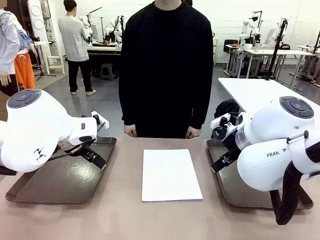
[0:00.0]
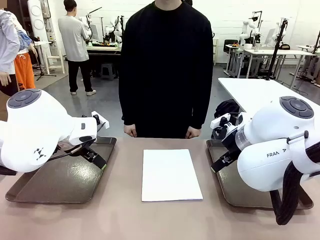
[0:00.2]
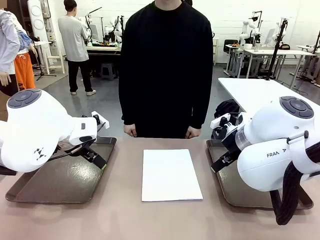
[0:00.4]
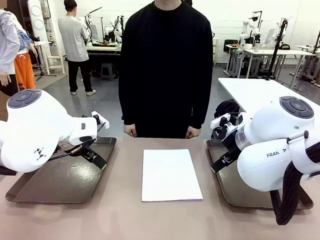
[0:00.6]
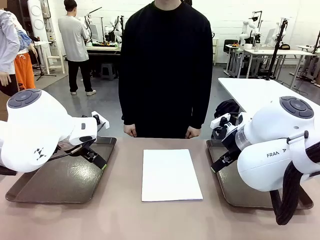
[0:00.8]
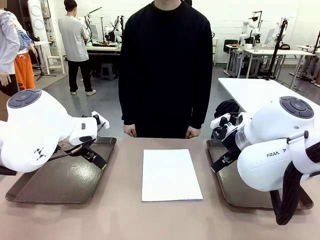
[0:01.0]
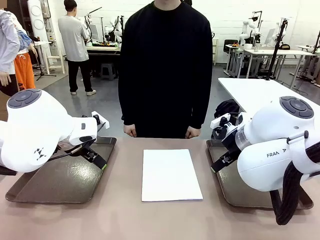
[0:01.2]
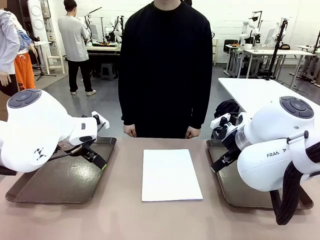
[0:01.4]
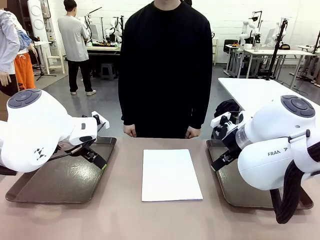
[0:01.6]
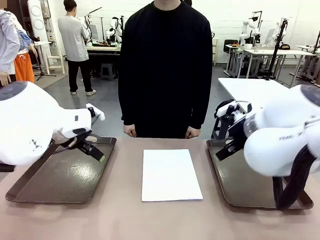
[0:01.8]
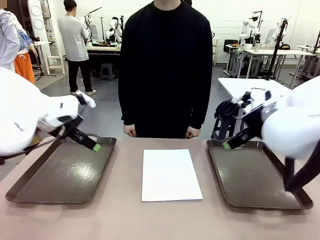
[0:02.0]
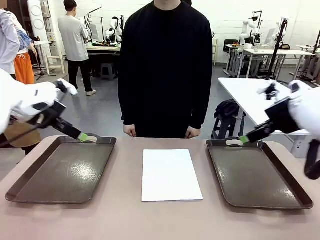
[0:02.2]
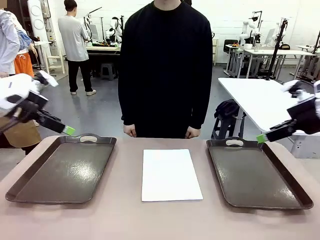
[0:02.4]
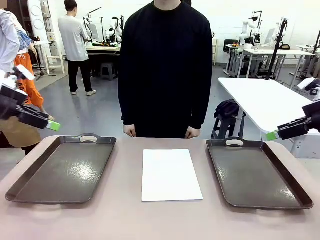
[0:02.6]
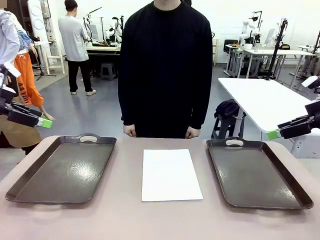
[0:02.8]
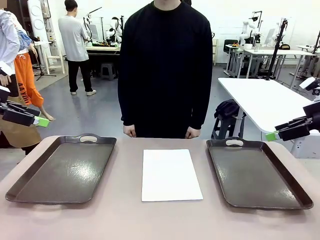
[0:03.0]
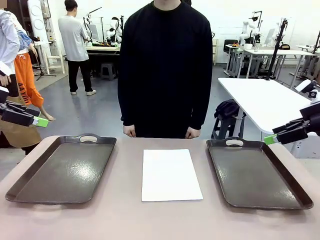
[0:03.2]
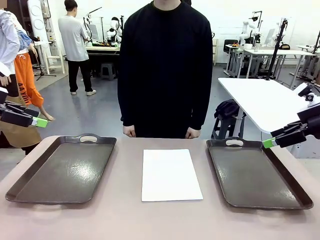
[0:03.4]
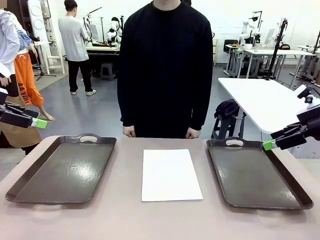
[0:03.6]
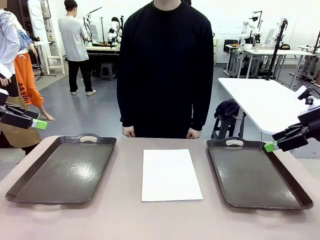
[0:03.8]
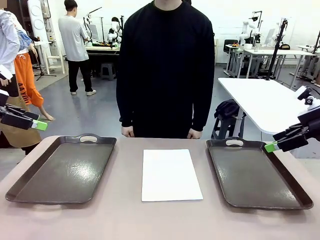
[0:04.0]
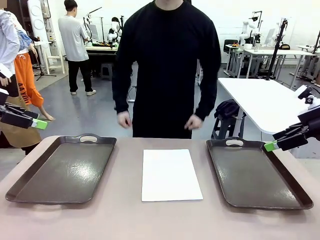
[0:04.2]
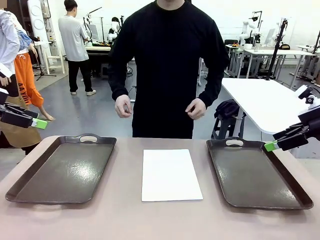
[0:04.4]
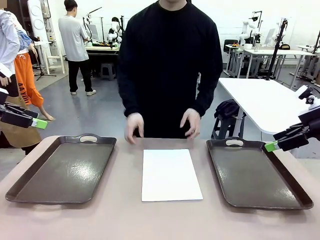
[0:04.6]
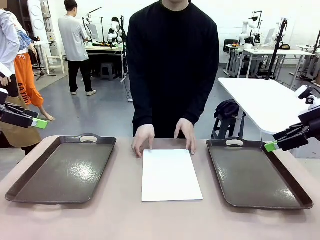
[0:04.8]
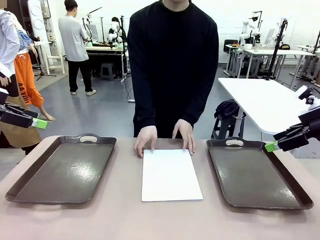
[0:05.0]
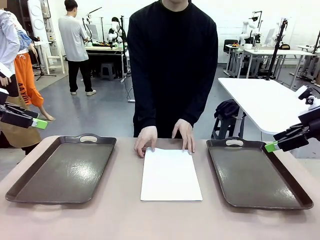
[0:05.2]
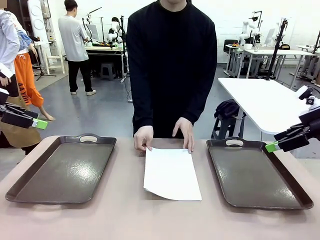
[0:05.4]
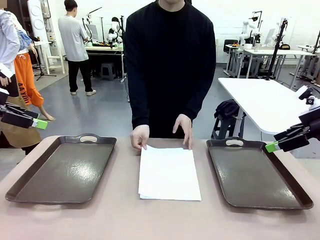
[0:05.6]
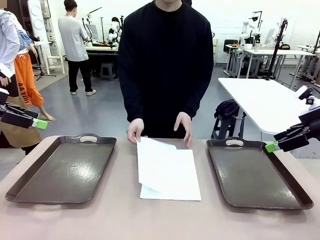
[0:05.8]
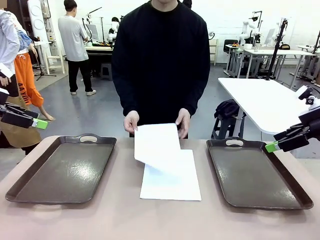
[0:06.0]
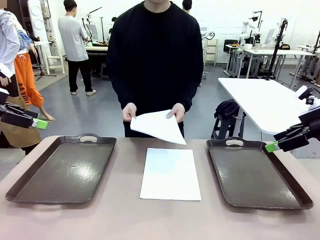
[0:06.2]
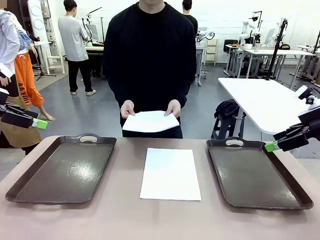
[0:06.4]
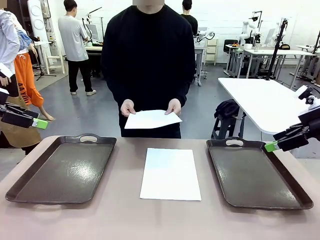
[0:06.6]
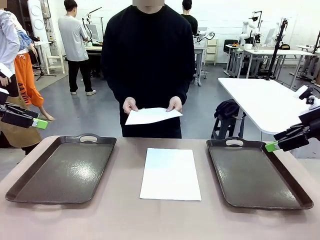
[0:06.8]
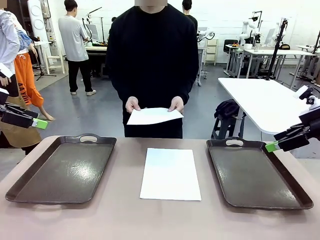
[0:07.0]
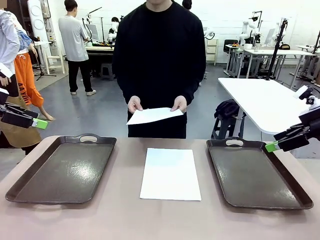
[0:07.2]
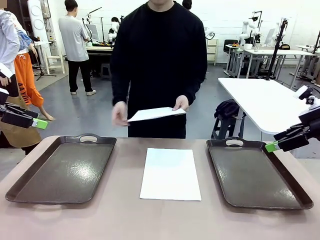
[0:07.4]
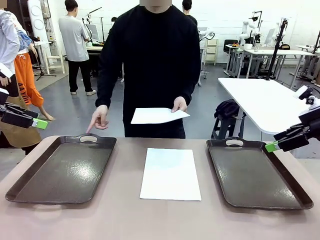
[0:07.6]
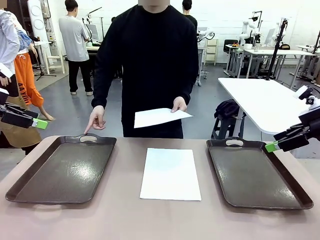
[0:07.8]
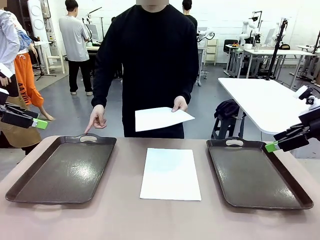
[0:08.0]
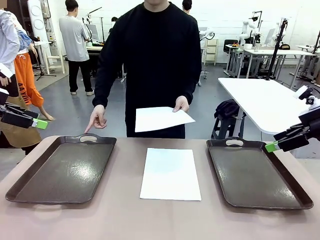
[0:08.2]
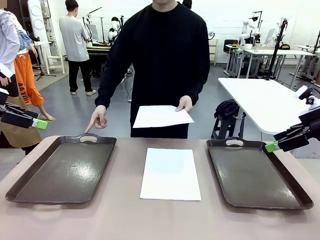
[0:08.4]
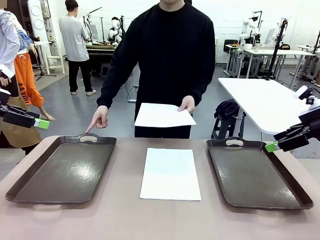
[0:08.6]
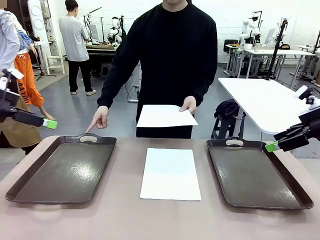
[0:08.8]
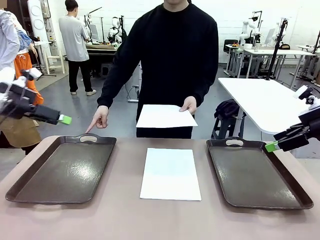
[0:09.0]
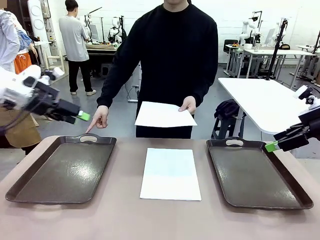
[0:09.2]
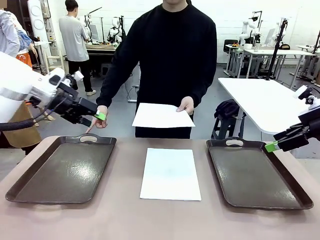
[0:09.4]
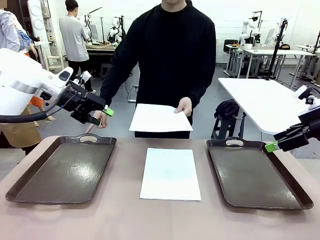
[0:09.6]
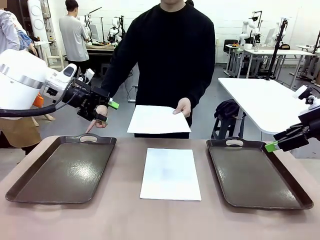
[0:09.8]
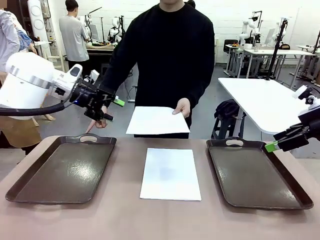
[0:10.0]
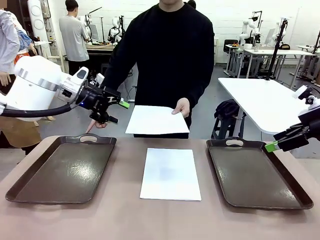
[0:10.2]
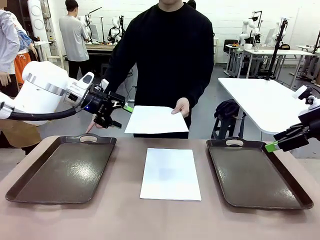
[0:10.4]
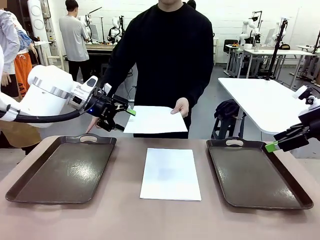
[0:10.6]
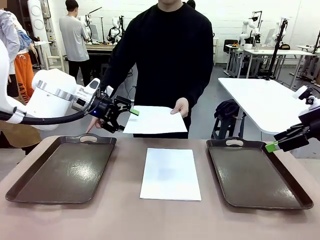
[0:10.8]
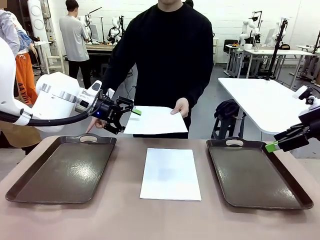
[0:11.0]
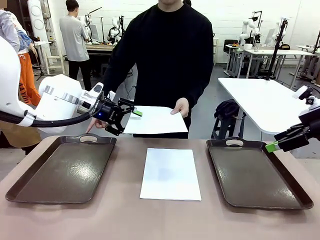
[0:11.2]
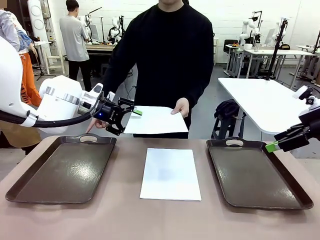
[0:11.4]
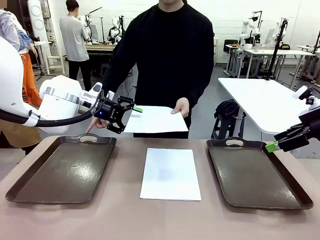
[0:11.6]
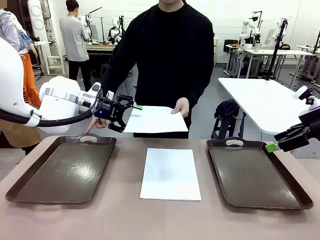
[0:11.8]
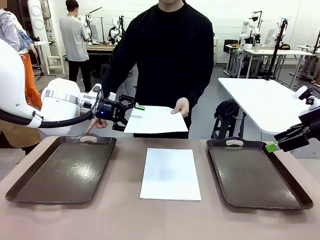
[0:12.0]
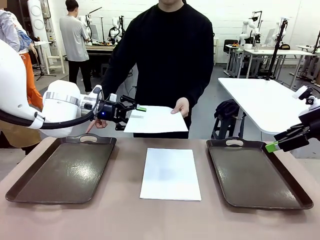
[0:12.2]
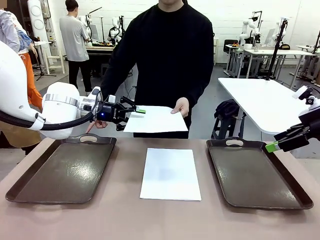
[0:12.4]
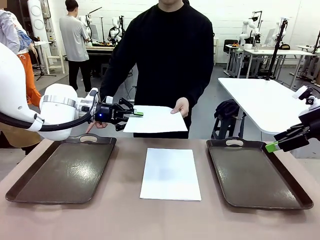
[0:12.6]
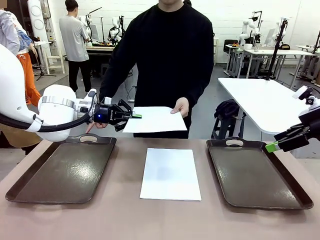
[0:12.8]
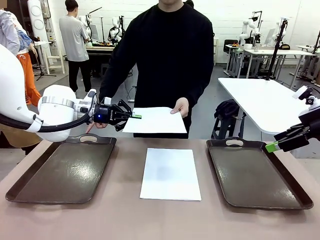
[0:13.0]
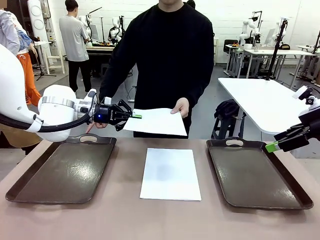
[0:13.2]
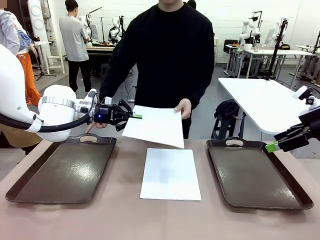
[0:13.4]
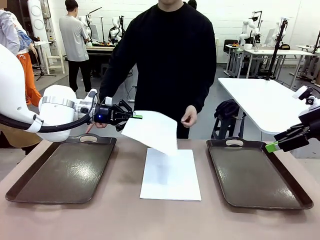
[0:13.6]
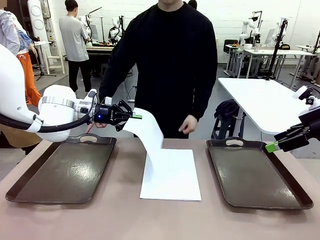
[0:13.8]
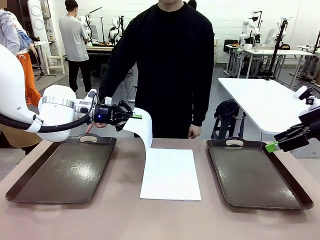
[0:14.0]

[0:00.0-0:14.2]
Task: Sort the A4 documents.
Robot: Receive the A4 Paper.
Person: Pick up a sheet of paper from the center of the table and hand it to the robot. Point the randomly selected tray with the other hand.

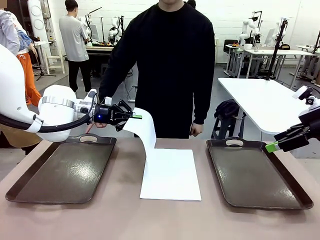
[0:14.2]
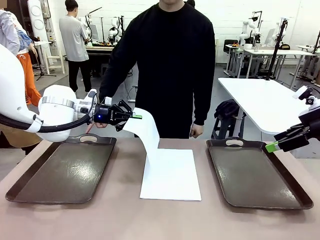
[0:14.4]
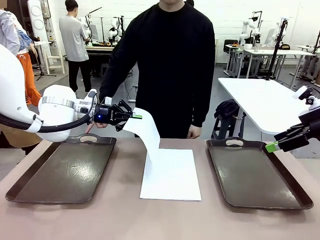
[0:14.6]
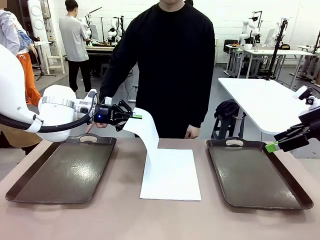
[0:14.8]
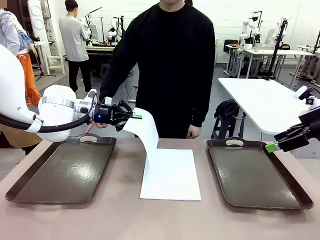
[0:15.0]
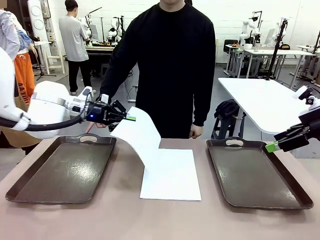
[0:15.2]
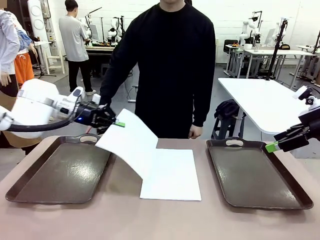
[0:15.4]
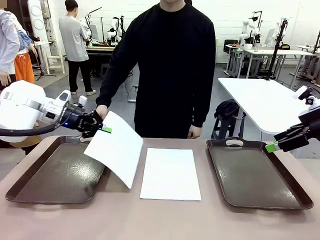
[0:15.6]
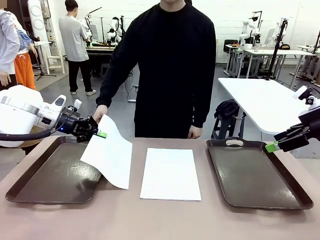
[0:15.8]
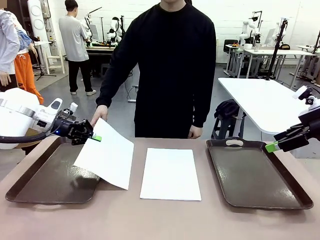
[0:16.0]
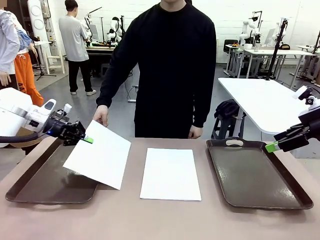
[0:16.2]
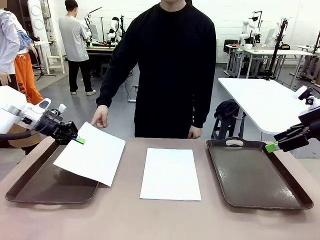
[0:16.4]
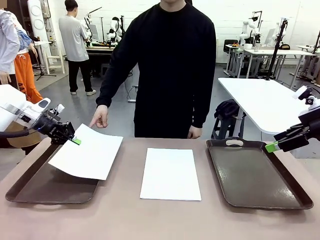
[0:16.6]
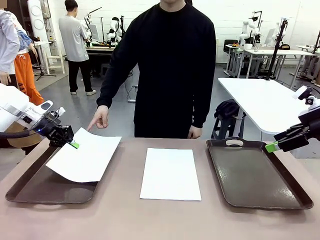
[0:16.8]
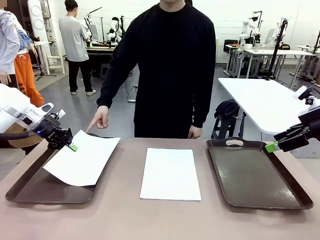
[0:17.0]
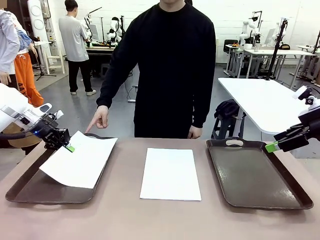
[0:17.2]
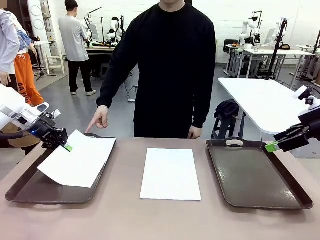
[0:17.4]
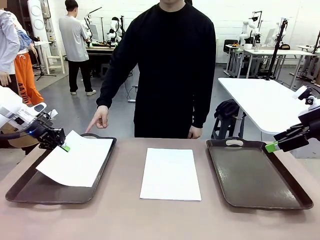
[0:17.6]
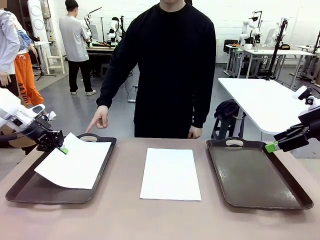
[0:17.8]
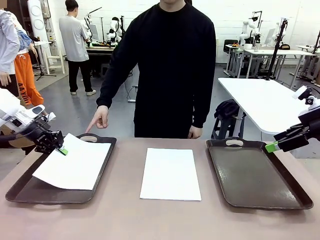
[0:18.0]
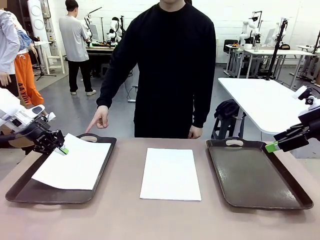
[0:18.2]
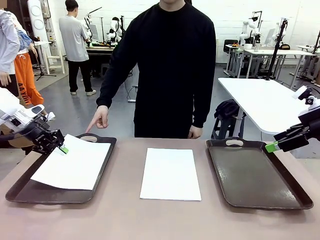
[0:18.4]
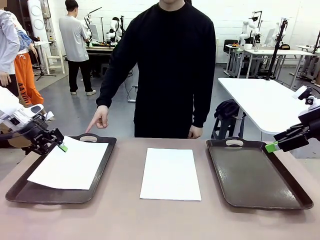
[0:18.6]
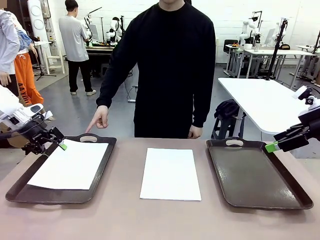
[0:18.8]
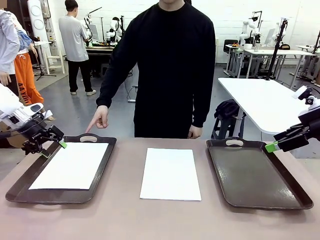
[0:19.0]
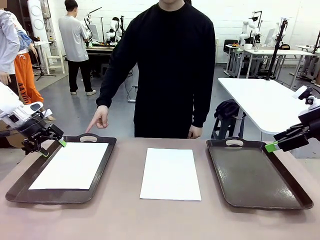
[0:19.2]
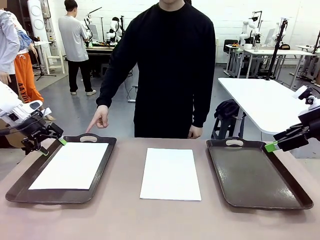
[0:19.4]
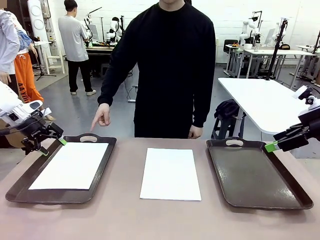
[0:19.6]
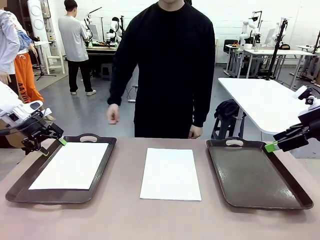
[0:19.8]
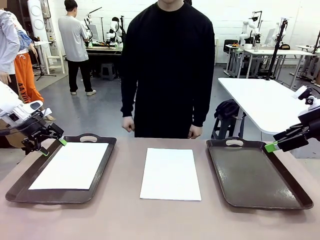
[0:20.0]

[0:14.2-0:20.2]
Robot: Place the A4 Paper in the designated Handle tray.
